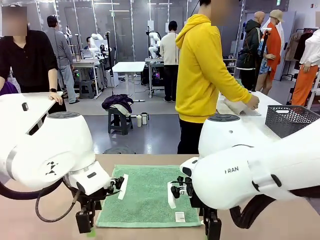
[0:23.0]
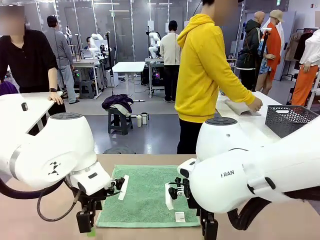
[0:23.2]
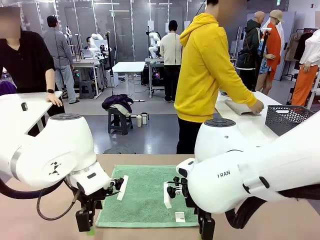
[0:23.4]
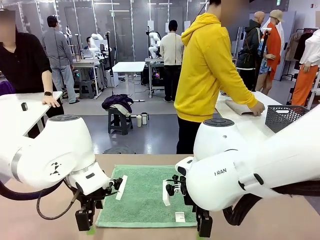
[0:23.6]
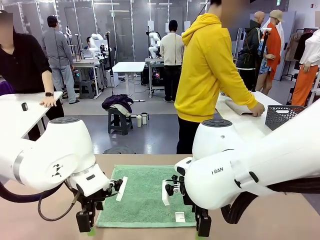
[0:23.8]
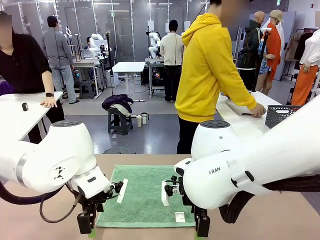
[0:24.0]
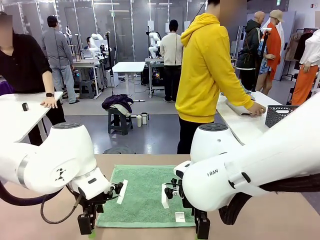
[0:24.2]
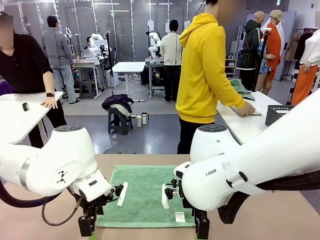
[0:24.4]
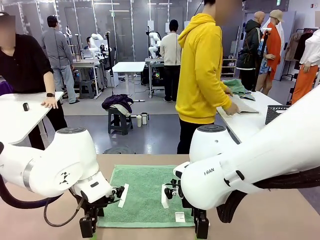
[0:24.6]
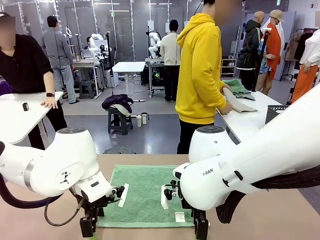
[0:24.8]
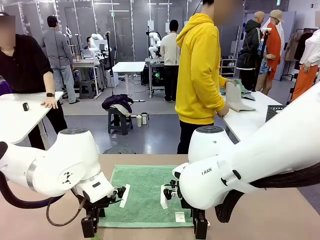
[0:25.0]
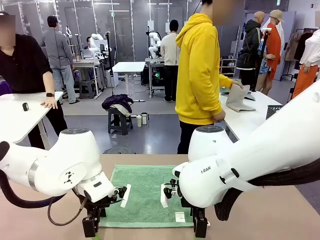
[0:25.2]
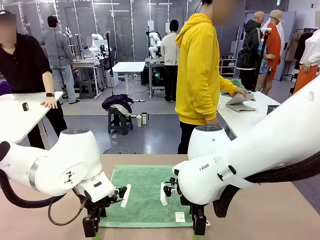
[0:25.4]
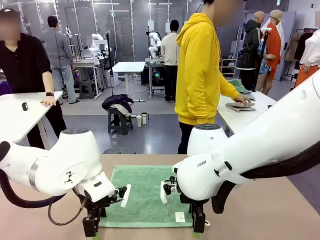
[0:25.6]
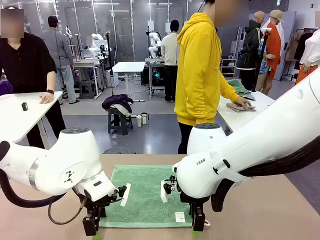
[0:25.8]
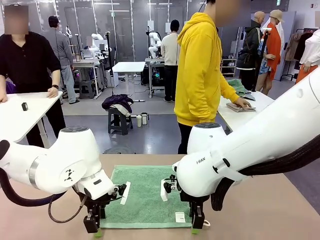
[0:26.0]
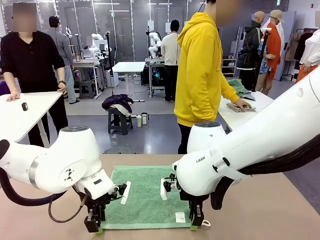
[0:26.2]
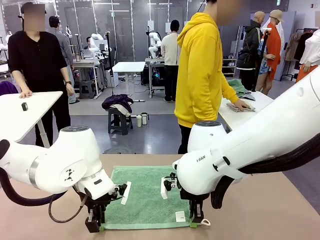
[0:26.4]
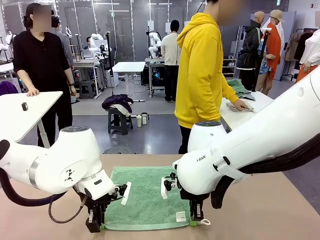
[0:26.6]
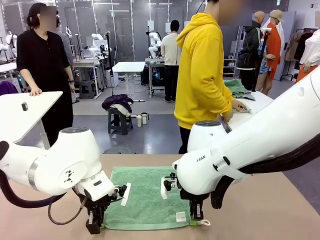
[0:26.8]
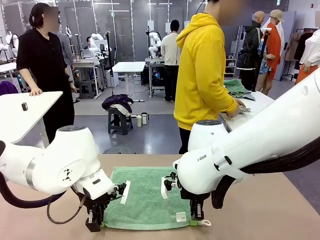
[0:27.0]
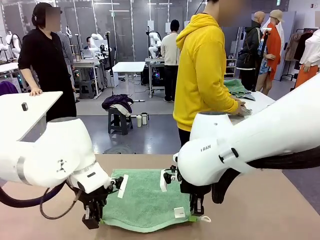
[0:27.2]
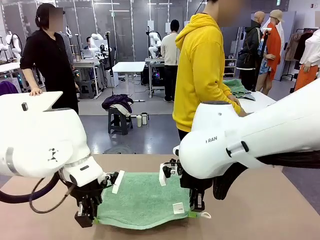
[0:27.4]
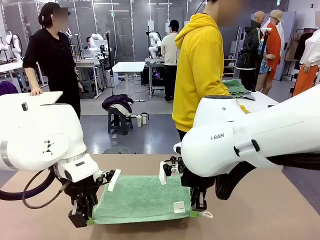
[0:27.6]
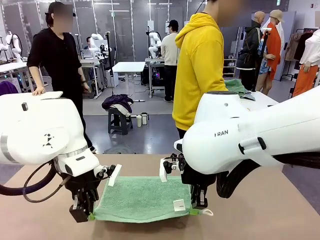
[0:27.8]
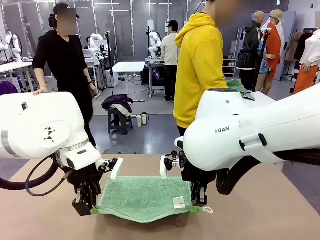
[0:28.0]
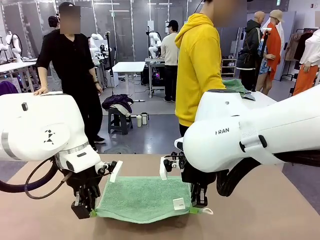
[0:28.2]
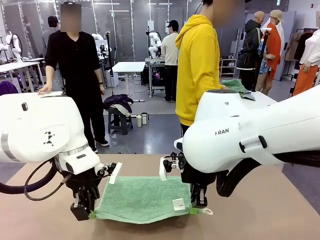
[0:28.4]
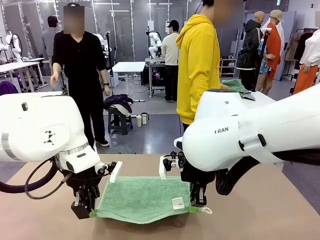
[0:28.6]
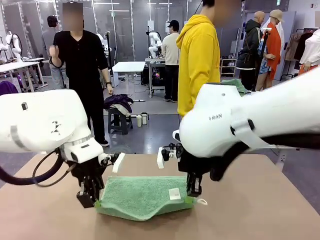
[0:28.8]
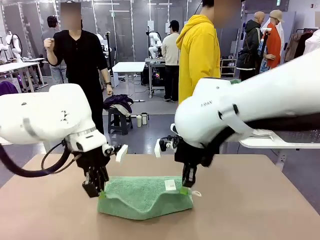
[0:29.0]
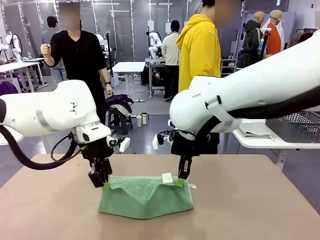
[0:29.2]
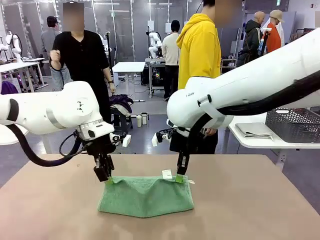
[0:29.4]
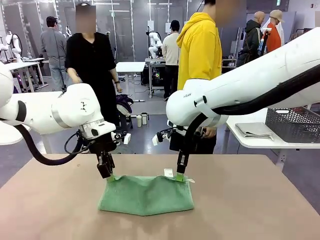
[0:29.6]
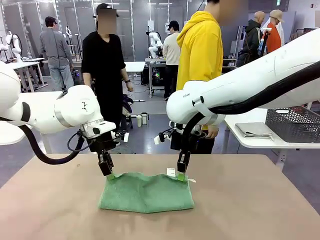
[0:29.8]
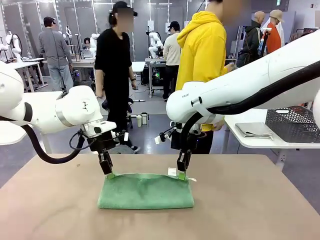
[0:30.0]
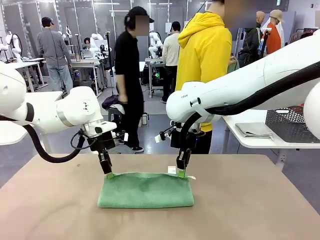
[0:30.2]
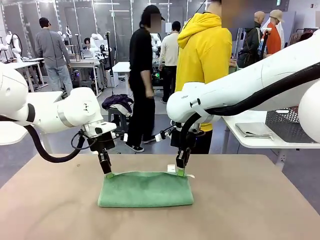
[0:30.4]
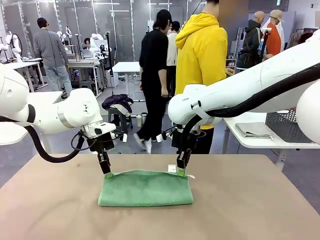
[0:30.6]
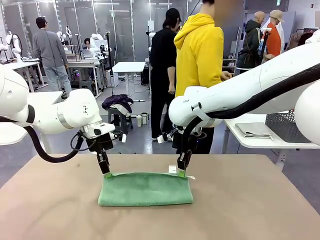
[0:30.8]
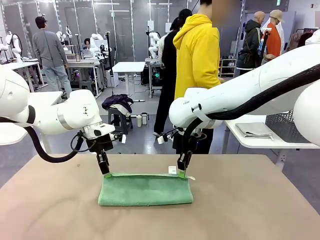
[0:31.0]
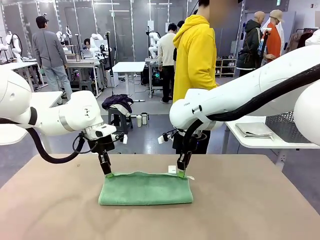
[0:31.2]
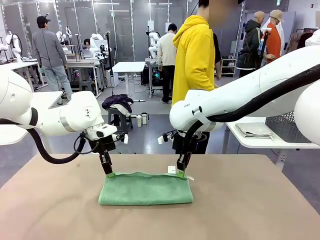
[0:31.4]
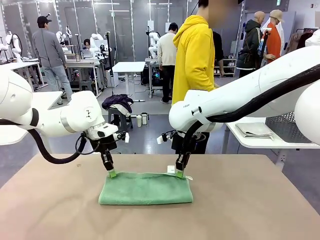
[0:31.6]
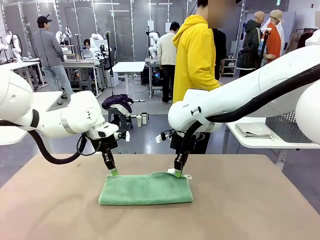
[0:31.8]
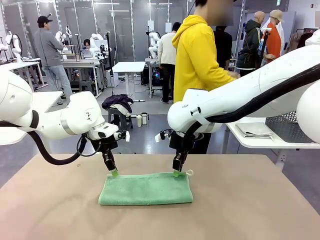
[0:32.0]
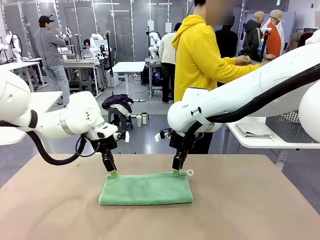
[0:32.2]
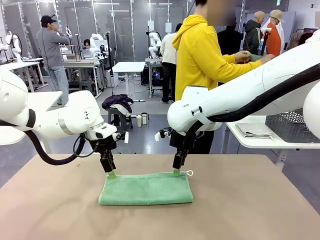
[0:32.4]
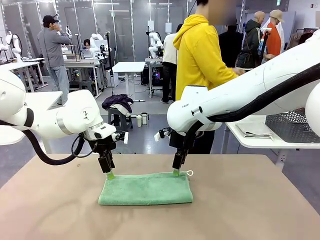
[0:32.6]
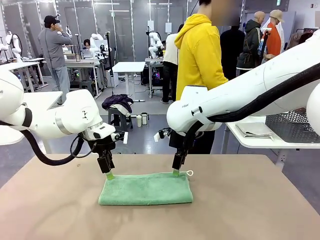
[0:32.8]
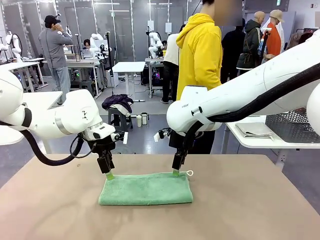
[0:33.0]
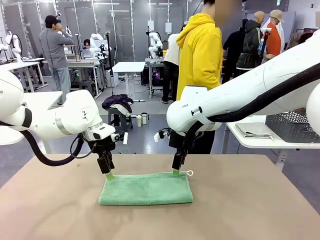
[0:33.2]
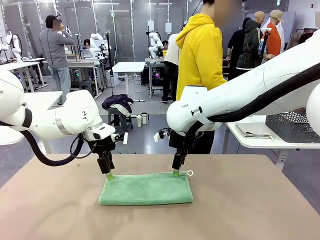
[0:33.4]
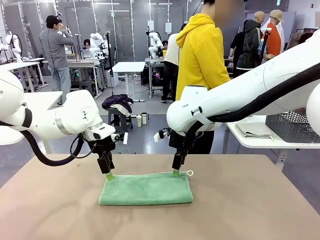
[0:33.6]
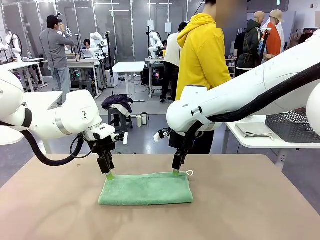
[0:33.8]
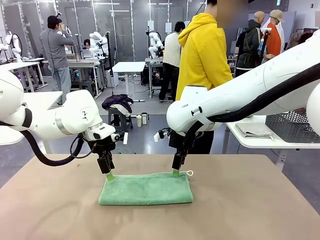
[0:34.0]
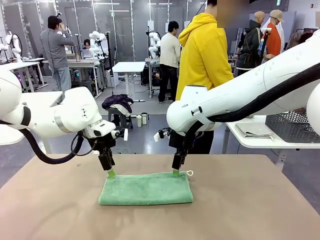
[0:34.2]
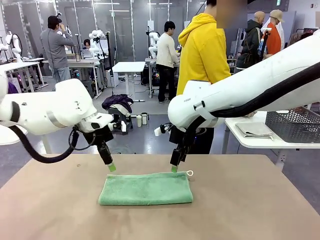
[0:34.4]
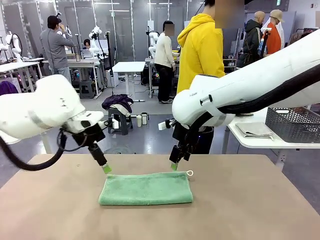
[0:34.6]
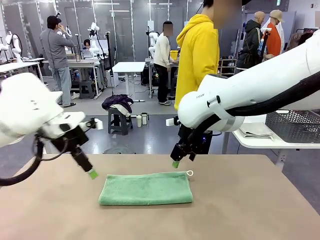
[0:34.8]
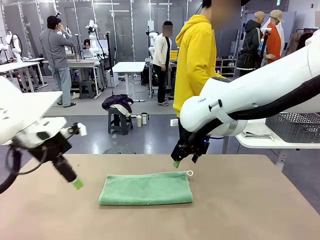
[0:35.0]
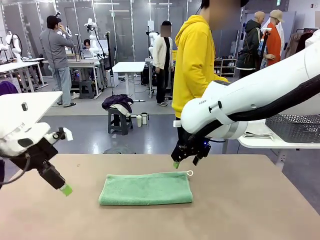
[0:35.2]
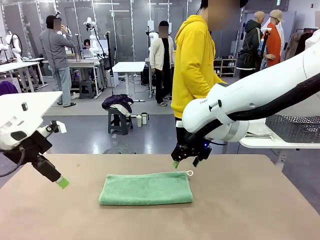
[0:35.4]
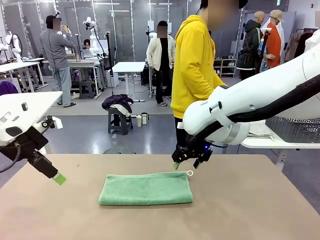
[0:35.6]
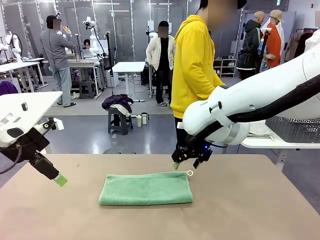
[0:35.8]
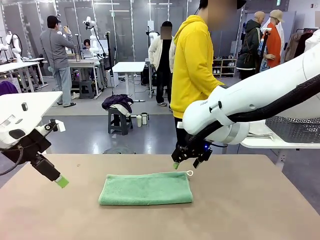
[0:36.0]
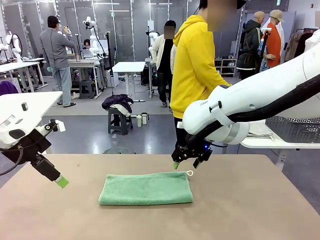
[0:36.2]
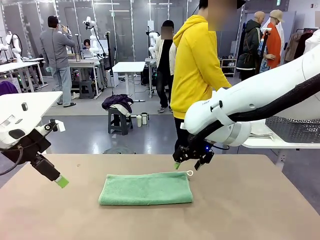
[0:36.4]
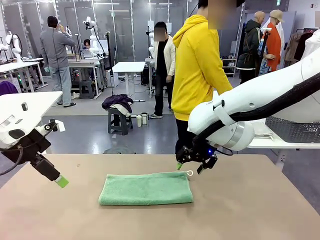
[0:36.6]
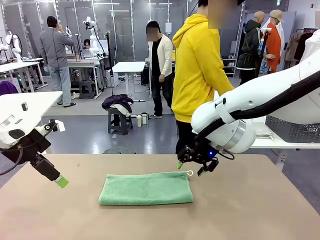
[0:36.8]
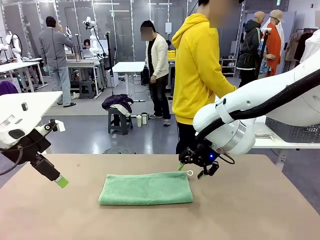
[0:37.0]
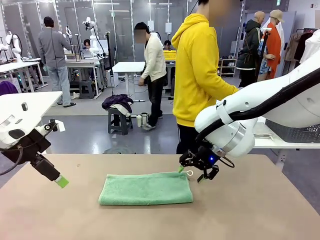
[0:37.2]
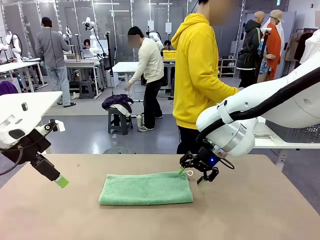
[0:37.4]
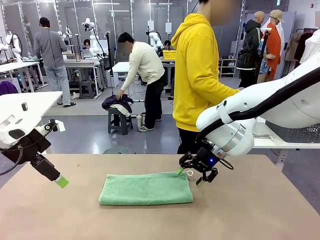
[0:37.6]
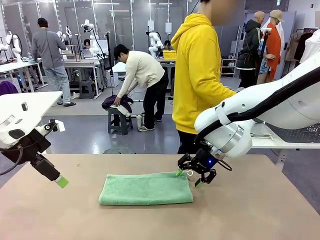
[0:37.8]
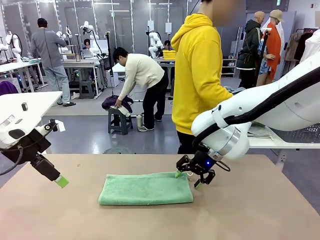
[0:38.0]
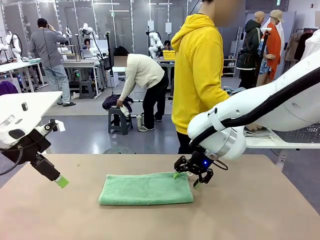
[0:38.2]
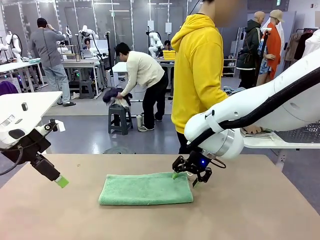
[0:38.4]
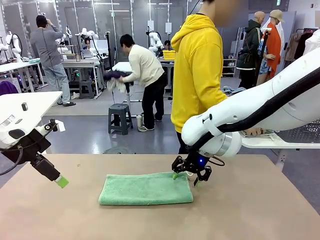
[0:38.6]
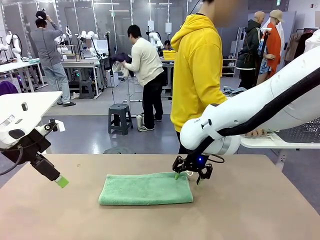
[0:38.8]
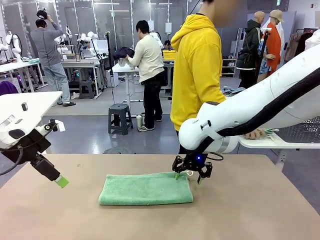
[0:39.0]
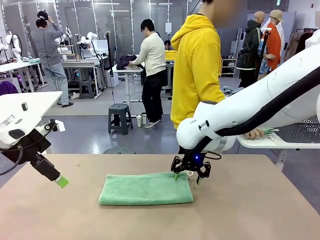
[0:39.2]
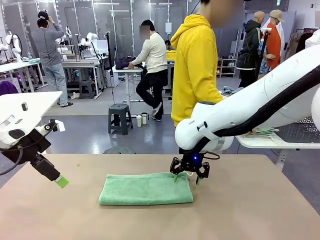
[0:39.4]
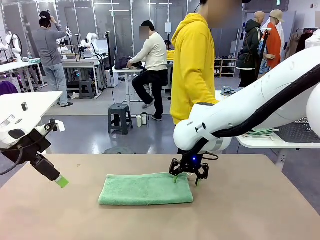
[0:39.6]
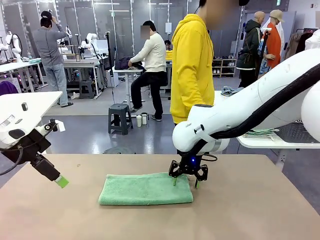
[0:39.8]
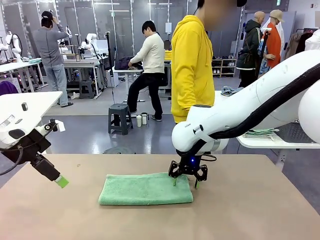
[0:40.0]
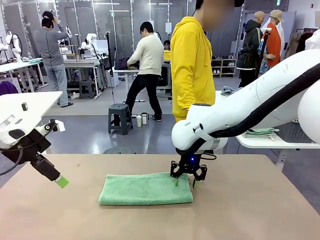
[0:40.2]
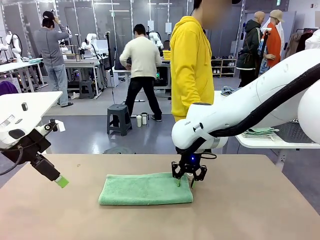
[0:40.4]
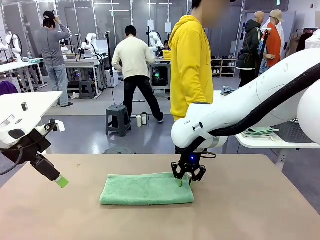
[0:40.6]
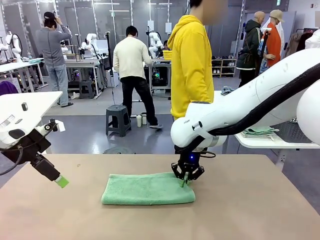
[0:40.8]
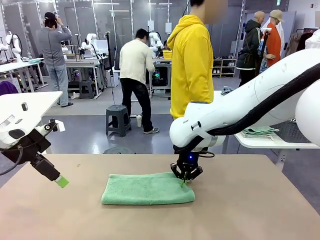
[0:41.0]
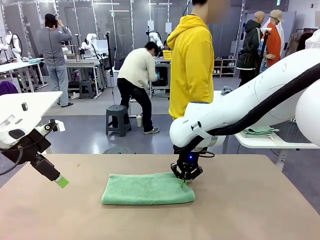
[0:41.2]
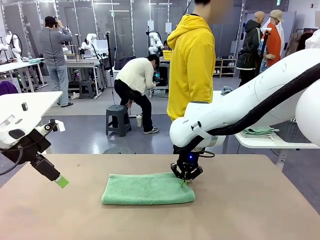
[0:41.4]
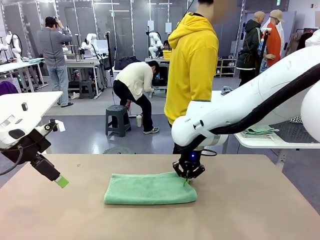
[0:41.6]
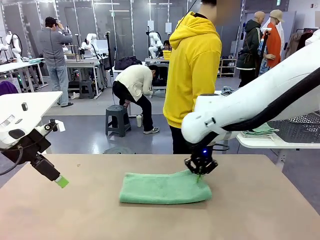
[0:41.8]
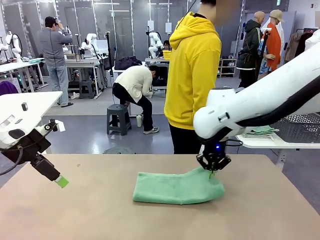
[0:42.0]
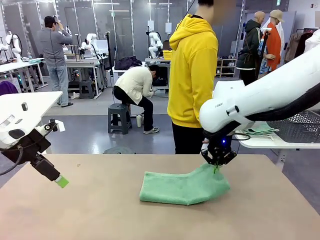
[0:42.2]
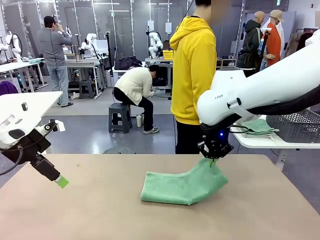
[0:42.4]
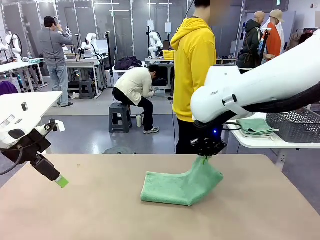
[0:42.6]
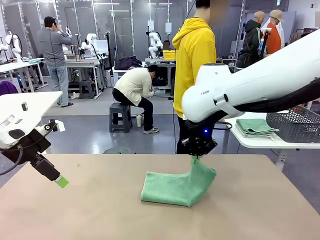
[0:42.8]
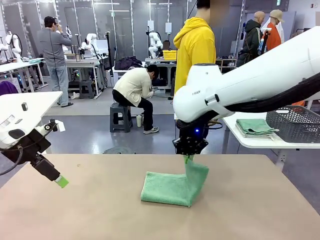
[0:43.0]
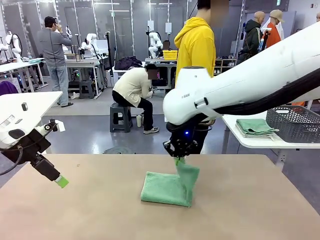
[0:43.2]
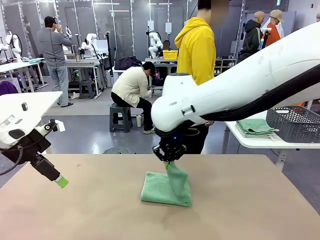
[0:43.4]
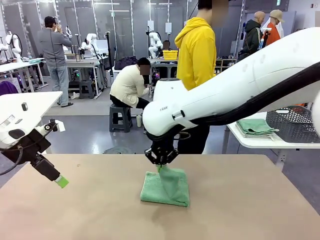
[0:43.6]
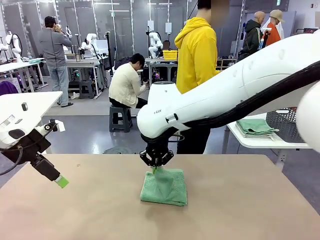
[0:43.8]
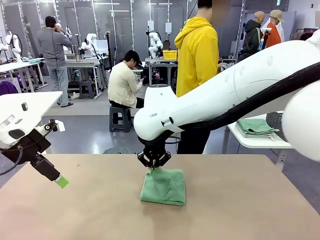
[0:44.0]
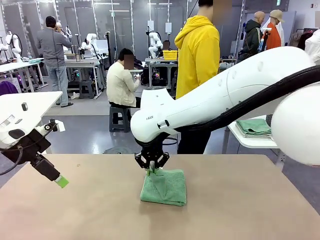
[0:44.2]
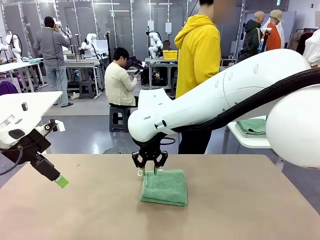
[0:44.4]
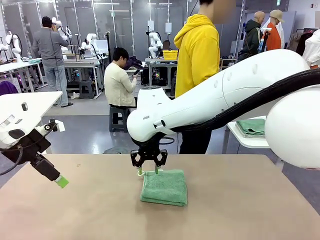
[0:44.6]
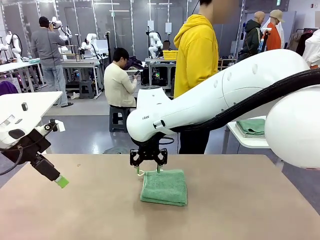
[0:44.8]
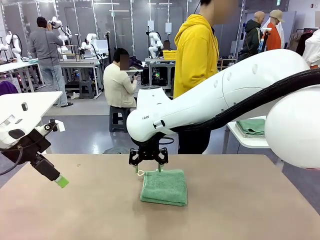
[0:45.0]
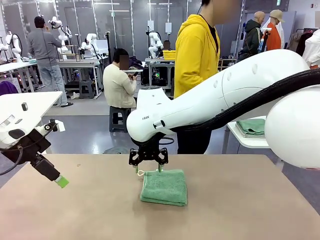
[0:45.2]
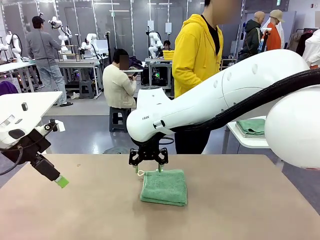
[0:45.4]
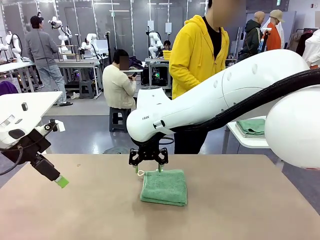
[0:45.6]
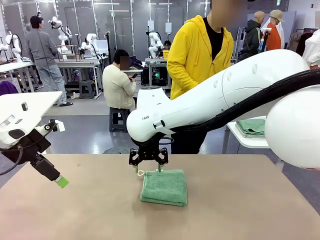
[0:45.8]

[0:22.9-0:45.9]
Task: Fold the towels and place them in the basket.
Robot: When a person lays out a Towel with hook on the table, fold it in half twice.
Person: Pick up one towel from the left side of the human table, fold it in half twice, and stack it on the right side of the table.
